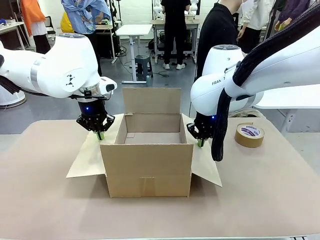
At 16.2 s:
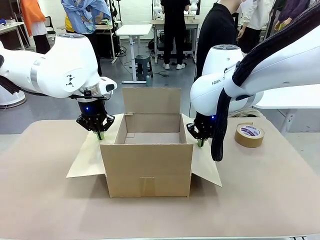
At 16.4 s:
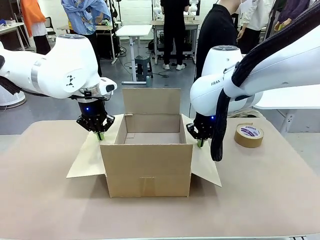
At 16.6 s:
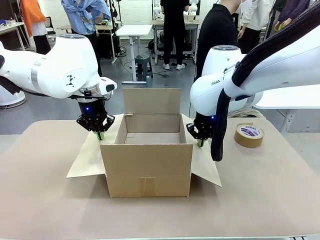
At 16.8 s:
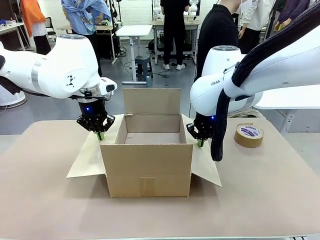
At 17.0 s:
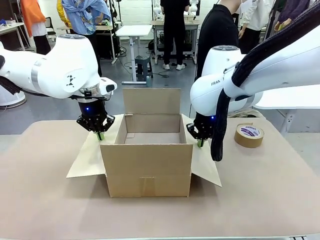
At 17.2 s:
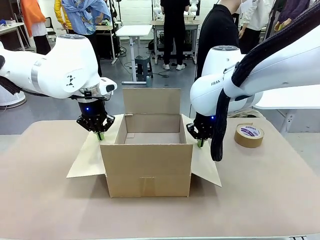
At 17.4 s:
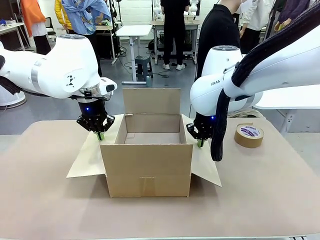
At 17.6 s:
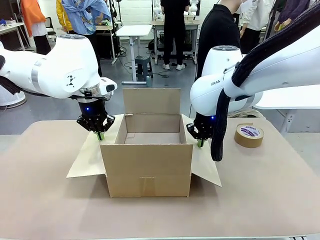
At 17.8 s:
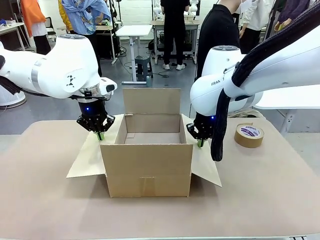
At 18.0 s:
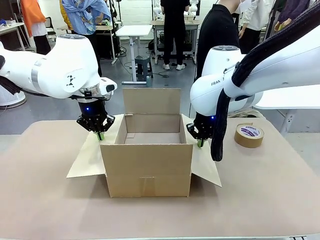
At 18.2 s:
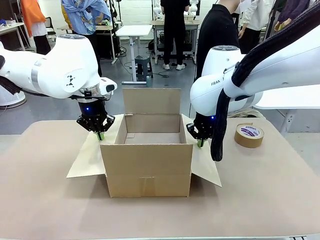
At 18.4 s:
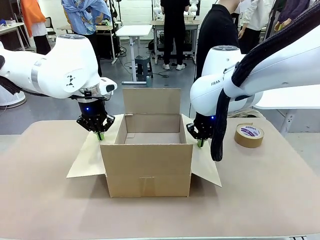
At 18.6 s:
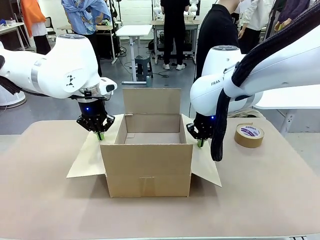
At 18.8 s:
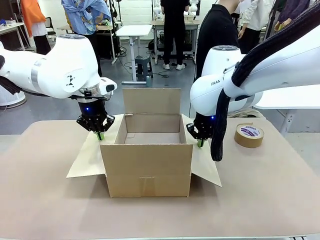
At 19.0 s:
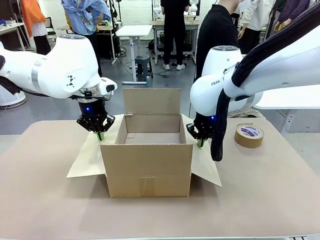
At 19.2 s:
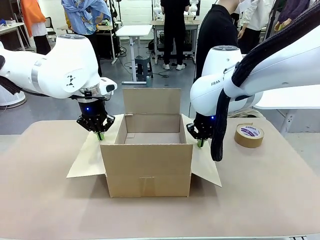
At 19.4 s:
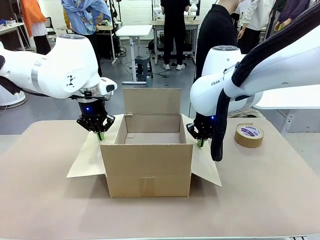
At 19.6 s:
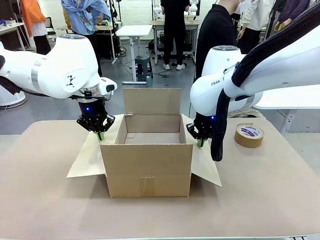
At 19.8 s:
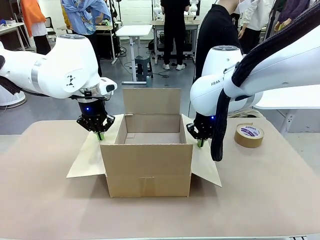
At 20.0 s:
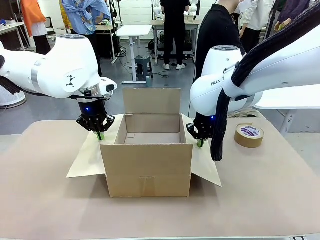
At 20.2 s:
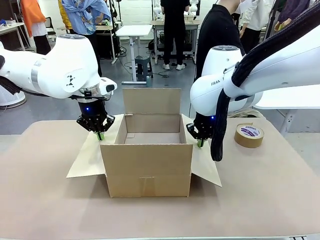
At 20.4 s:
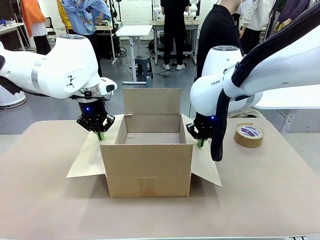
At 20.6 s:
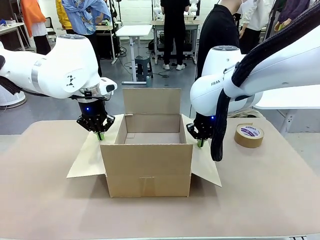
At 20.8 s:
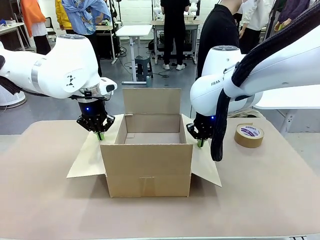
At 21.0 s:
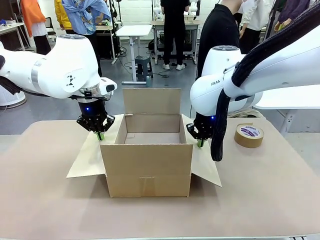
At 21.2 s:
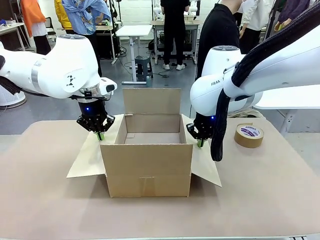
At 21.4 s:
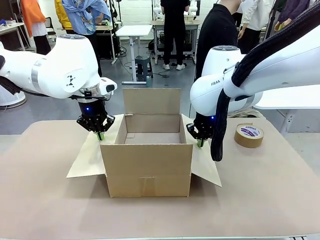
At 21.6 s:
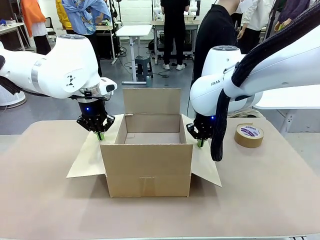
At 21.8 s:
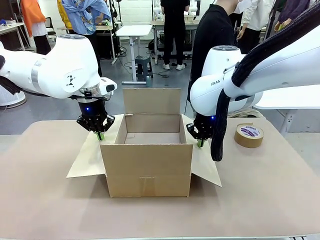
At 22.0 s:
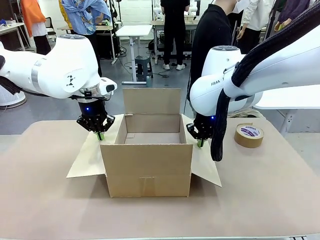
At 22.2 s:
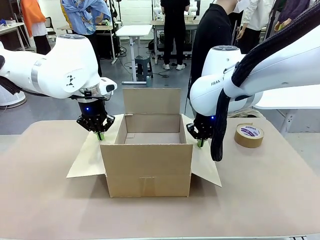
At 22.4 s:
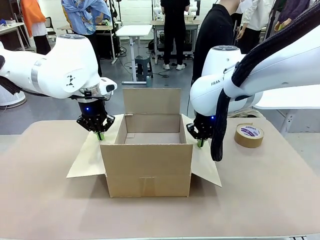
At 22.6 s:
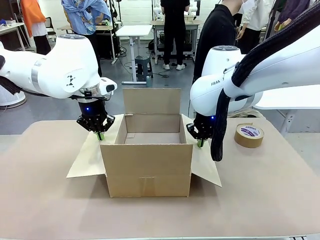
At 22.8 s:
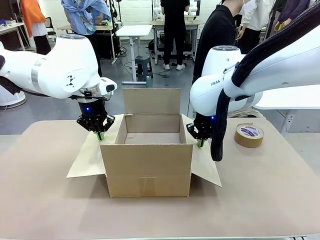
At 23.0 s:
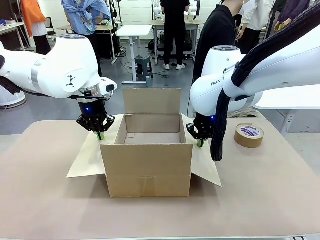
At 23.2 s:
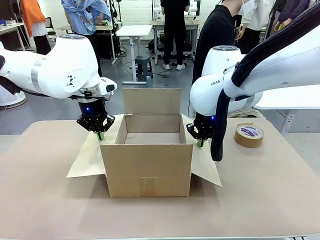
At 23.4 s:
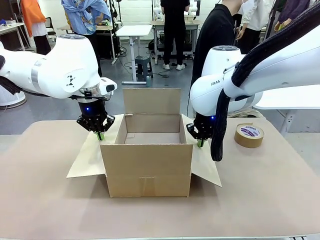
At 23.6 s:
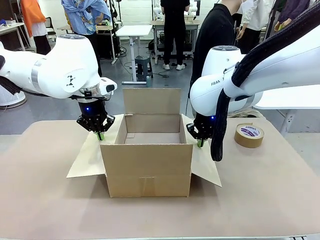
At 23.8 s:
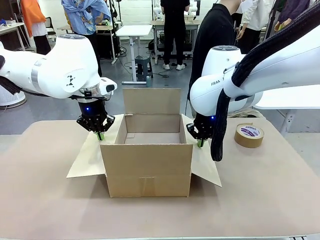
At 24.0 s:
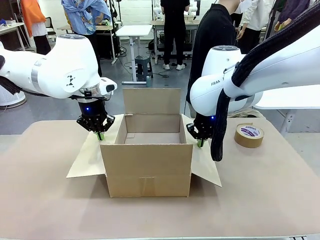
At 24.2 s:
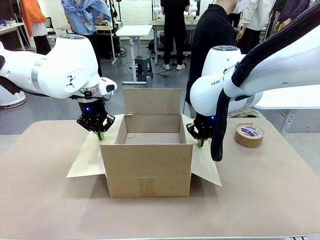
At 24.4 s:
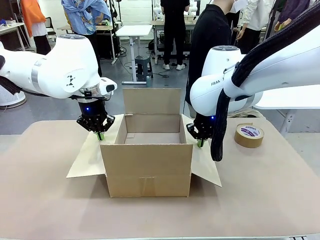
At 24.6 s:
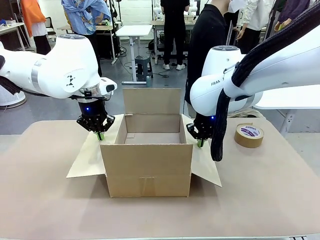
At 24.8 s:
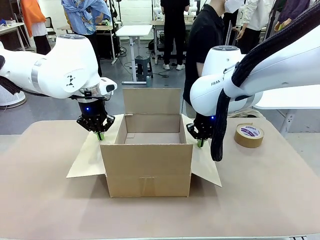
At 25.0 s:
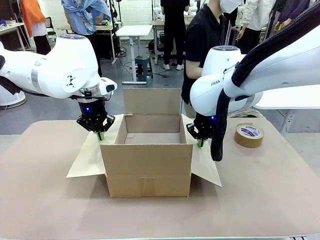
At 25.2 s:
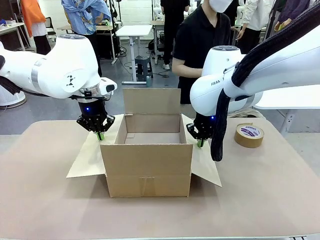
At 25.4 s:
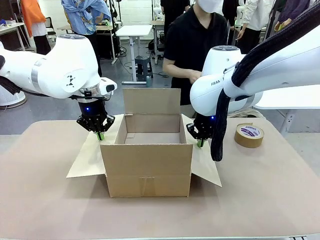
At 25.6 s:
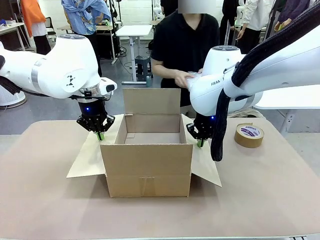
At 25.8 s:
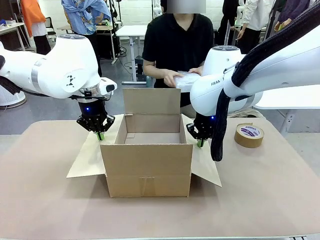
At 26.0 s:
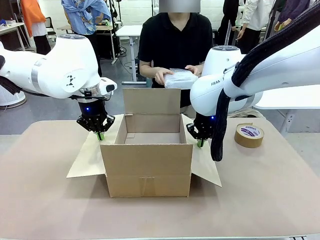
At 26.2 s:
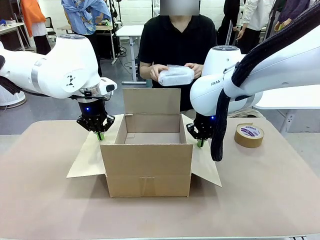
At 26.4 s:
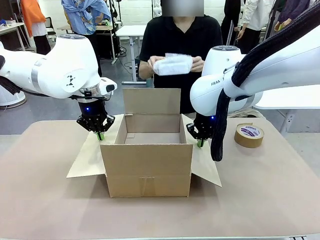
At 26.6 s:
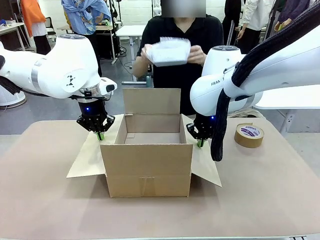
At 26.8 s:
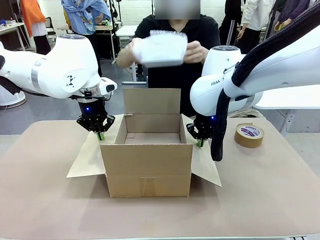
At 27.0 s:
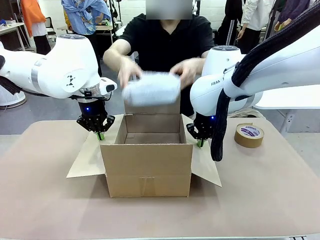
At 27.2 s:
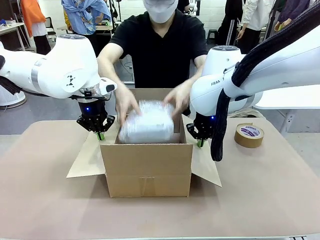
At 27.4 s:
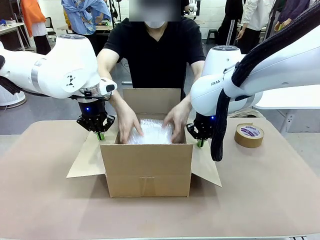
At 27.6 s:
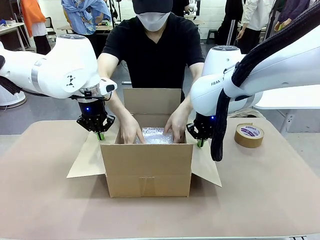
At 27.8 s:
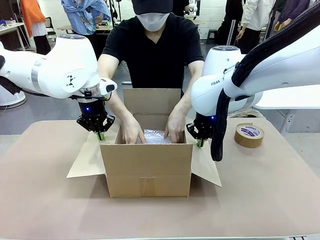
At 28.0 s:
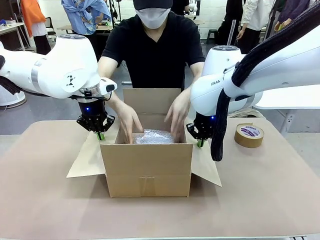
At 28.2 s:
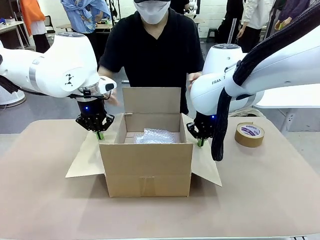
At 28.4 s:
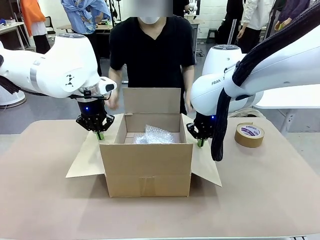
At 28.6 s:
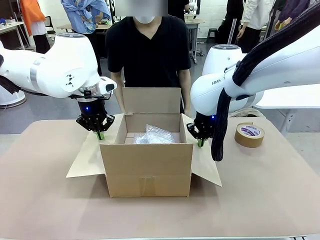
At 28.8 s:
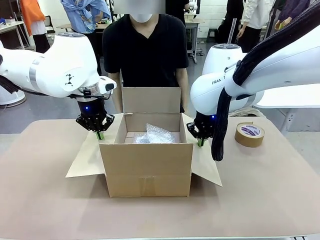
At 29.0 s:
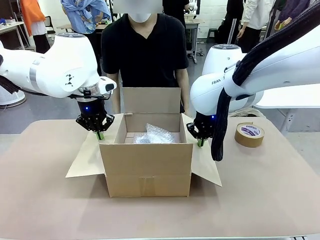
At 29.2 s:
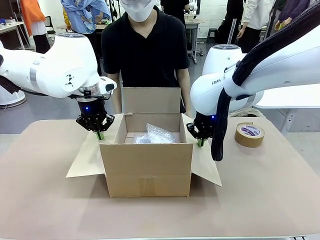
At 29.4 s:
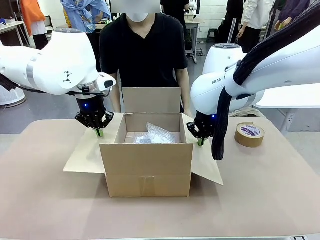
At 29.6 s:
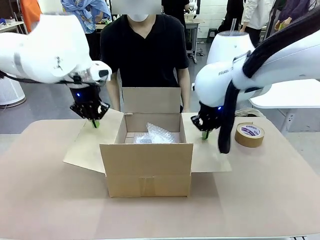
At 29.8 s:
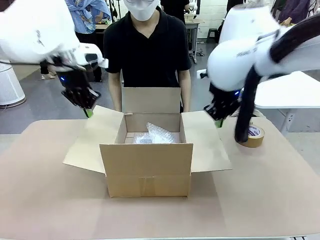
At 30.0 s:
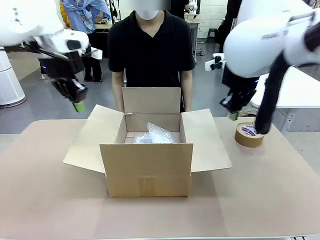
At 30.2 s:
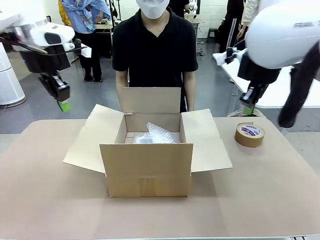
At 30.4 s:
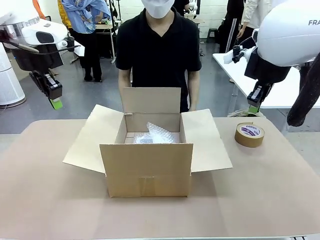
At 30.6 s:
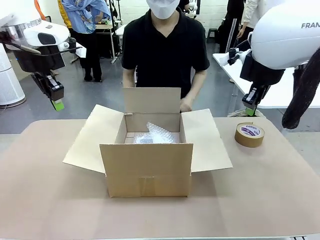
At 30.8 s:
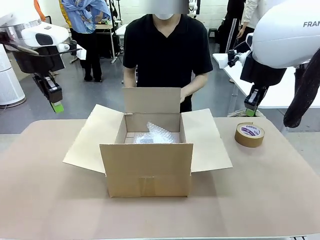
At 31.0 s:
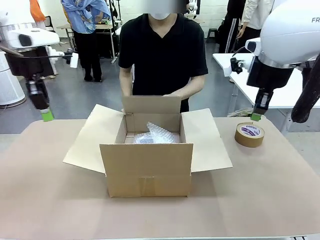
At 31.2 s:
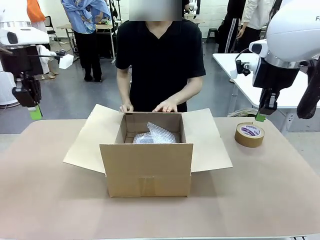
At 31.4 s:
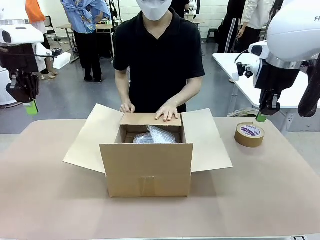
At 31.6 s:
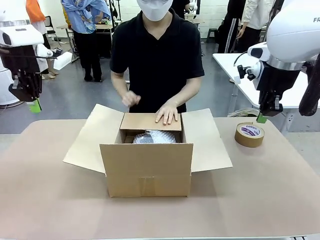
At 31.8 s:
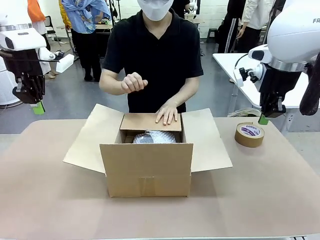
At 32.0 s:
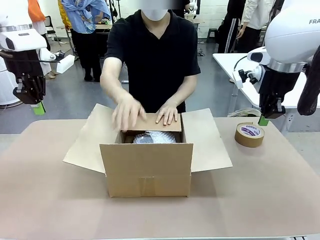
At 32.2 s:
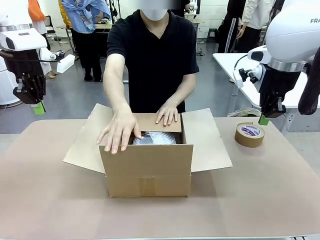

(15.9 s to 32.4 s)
Task: Wrap the clocks to prevent damage.
Robot: Once the human has placed the objects inside and stepped back, release both hands from the side flaps of the Package Box.
Person: Place the wrapped Digital clocks inside the Package Box. Hold the top and bottom flaps of the Package Box closed with your left (or right) hand.

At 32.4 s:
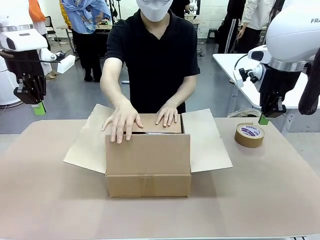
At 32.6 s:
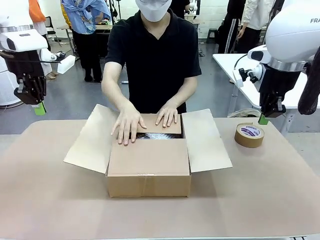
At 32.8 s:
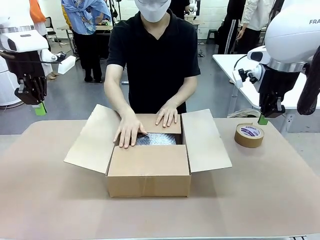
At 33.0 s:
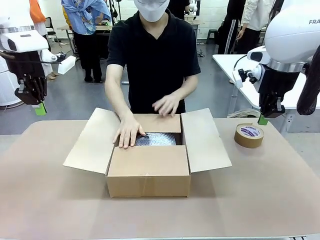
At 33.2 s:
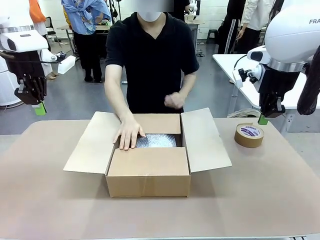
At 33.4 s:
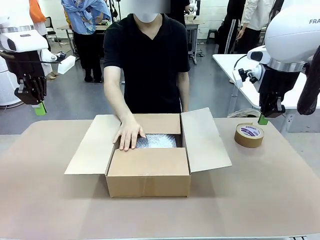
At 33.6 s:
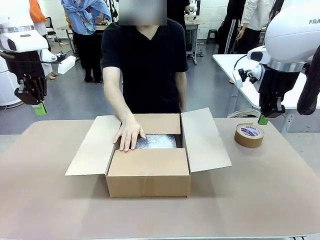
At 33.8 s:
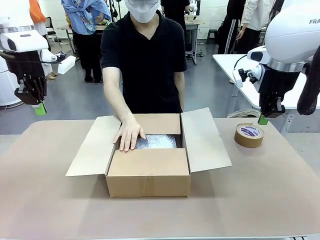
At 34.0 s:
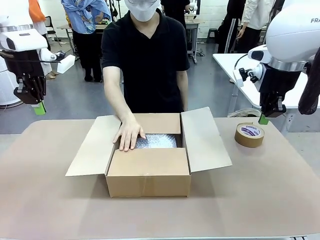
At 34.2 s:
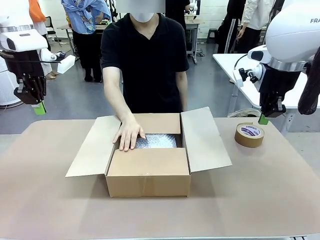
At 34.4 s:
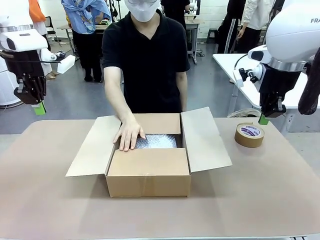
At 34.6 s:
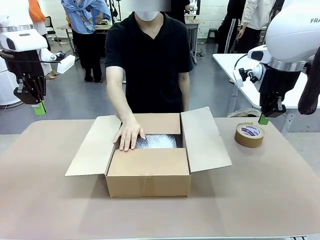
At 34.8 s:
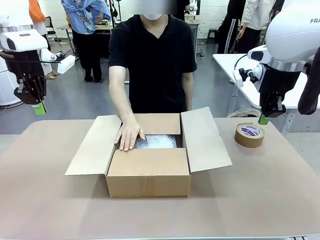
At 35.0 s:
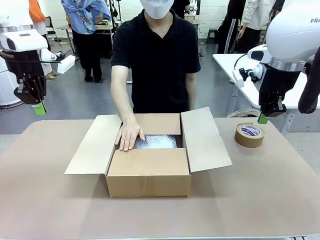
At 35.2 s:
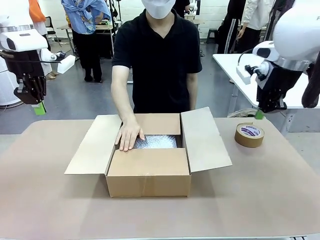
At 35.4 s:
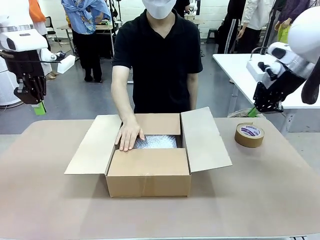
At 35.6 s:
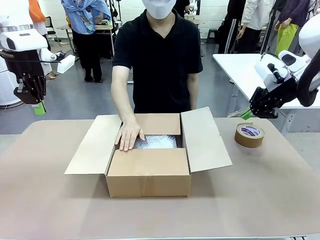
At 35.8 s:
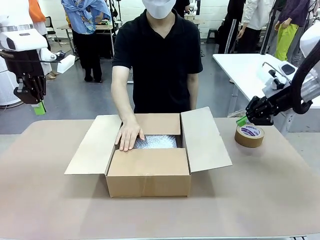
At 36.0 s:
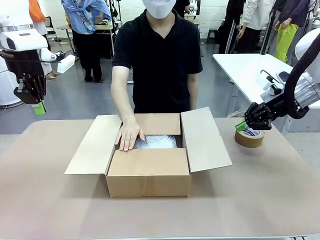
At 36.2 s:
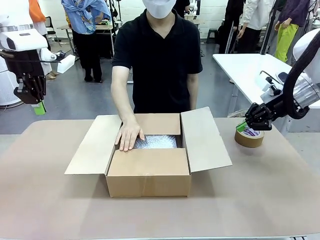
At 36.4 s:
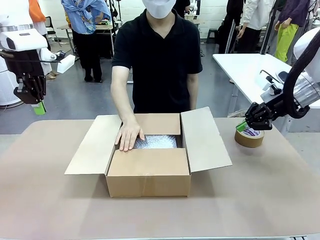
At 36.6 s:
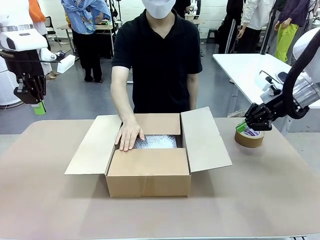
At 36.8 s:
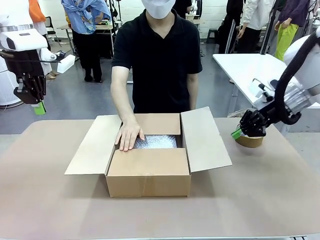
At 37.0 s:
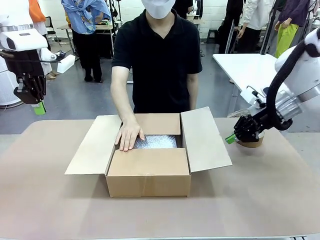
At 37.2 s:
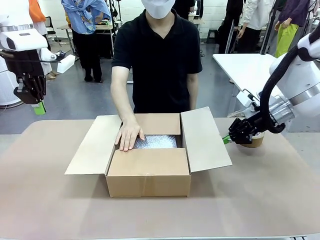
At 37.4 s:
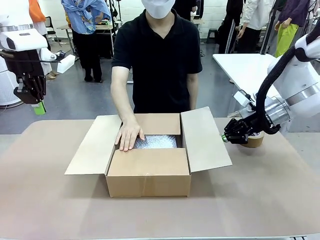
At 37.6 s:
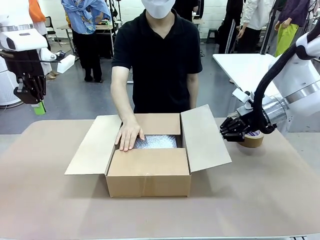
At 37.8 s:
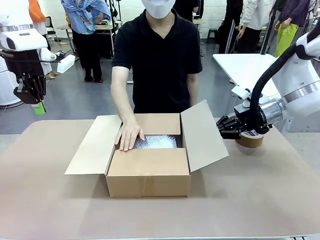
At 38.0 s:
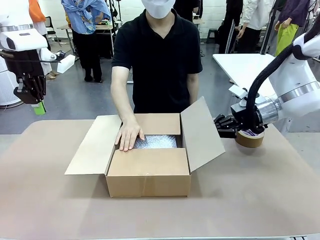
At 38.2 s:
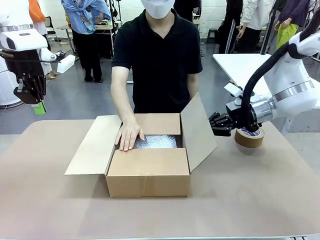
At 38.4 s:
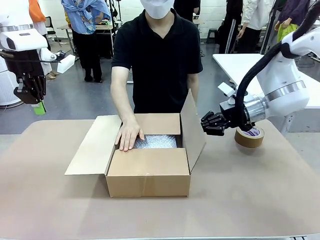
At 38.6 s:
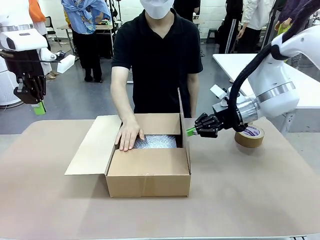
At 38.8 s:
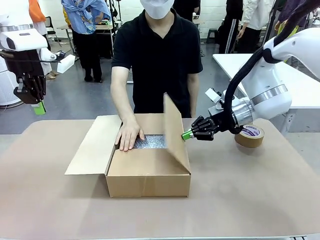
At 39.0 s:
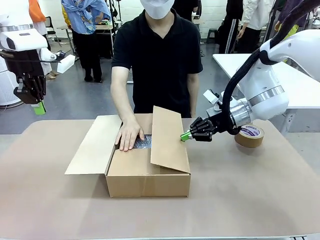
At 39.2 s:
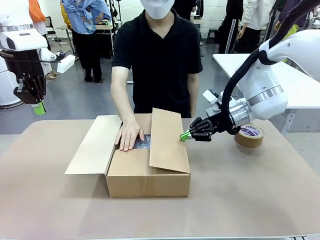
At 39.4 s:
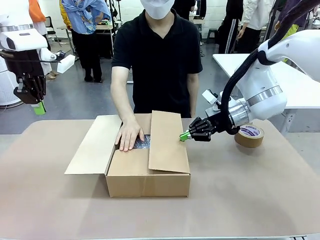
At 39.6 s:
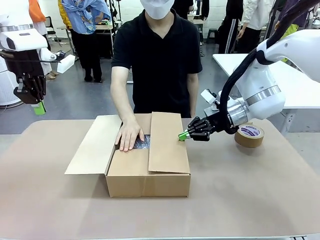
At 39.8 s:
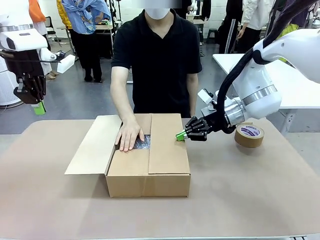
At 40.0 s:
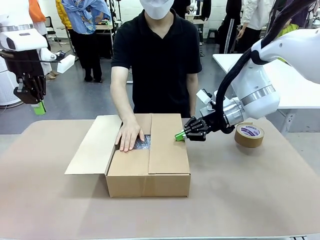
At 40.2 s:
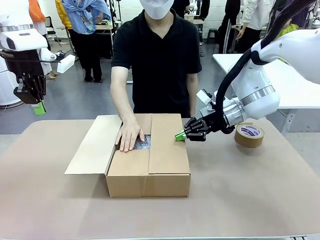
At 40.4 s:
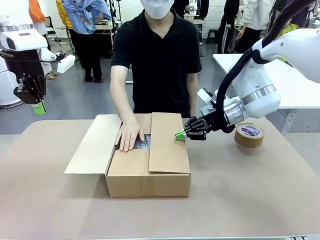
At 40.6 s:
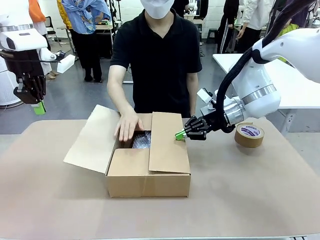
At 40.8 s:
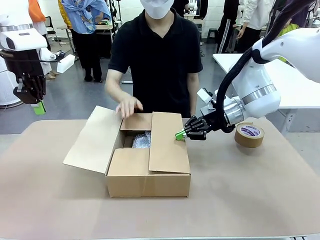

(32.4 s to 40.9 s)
Robot: Push the right (or left) flap of the Package Box to close it.
Person: Once the robot closes the right flap of the Package Box , release your left hand from the box.
